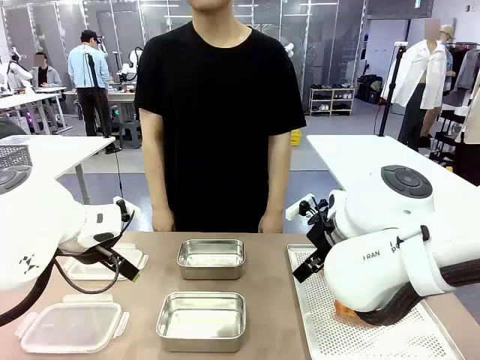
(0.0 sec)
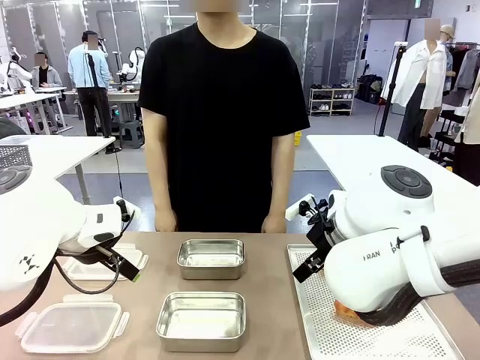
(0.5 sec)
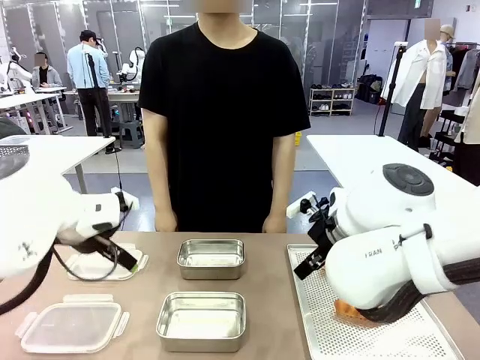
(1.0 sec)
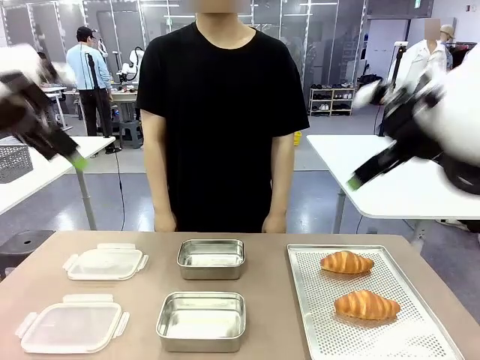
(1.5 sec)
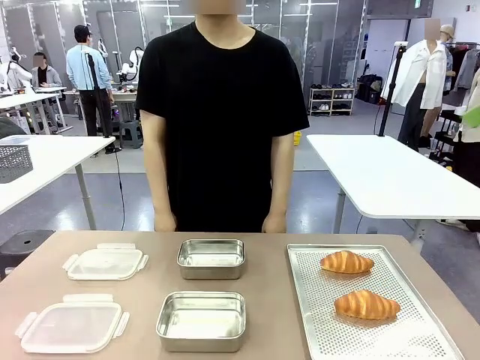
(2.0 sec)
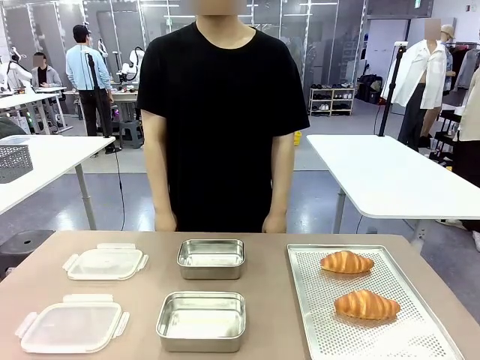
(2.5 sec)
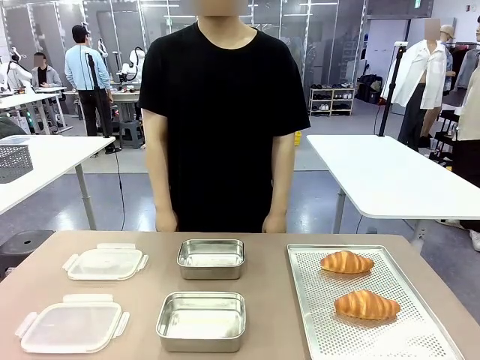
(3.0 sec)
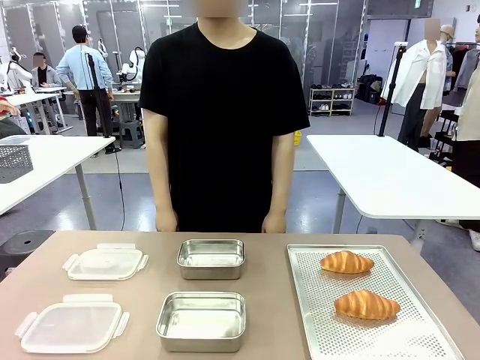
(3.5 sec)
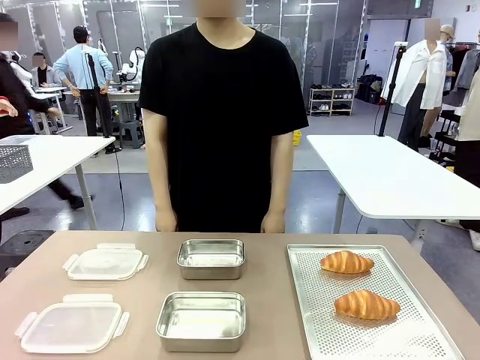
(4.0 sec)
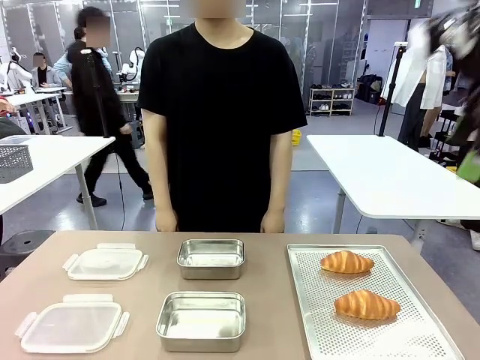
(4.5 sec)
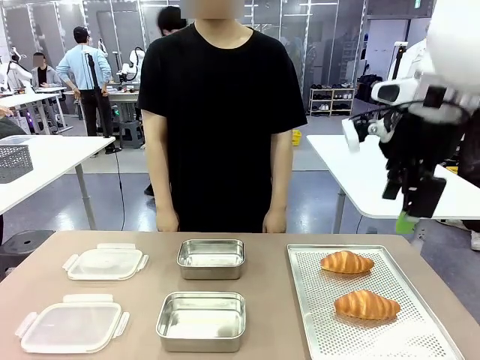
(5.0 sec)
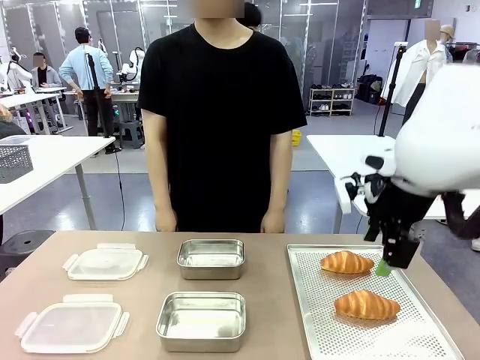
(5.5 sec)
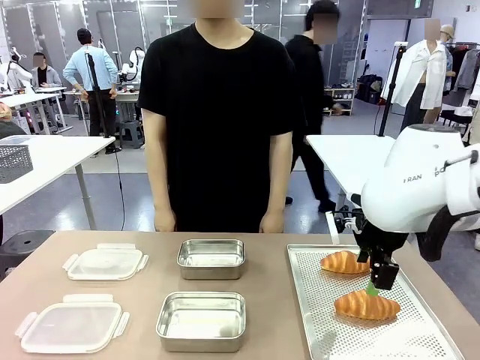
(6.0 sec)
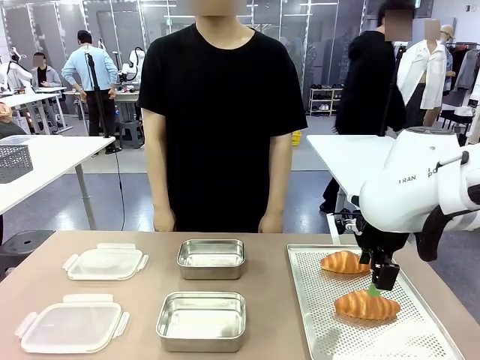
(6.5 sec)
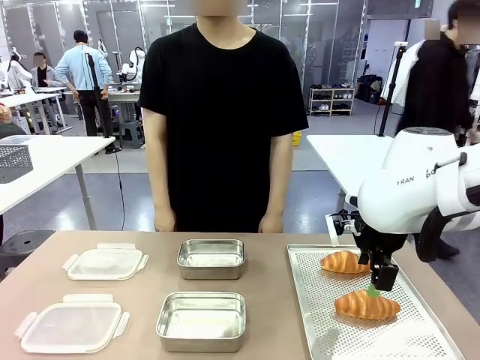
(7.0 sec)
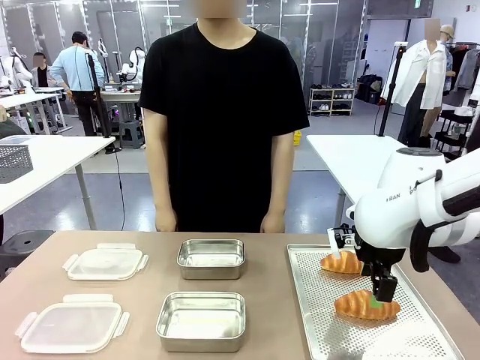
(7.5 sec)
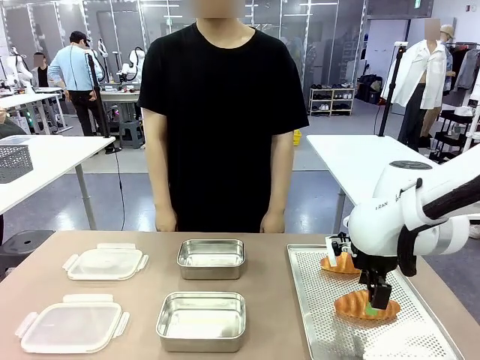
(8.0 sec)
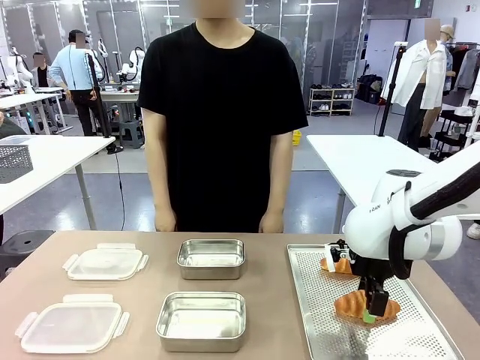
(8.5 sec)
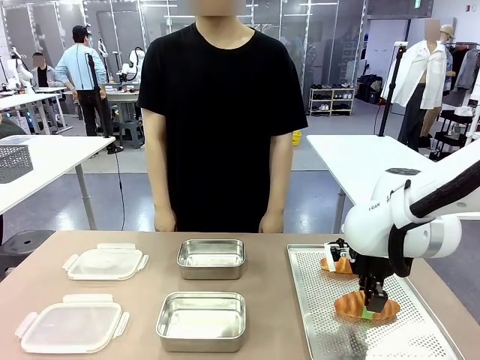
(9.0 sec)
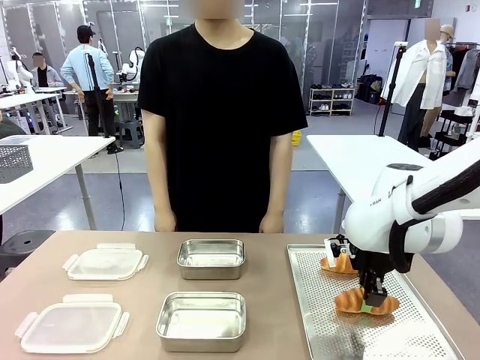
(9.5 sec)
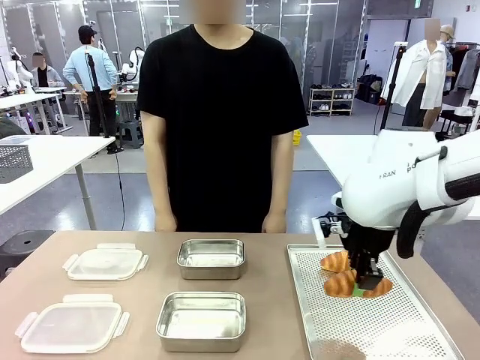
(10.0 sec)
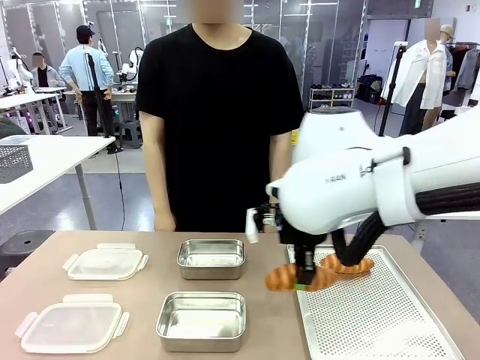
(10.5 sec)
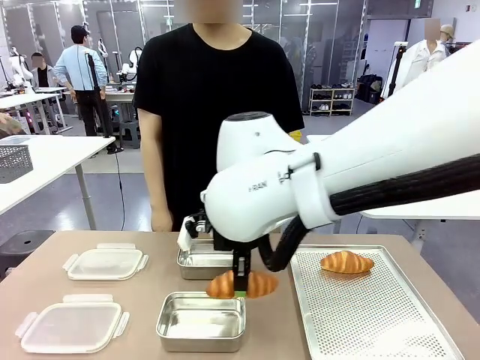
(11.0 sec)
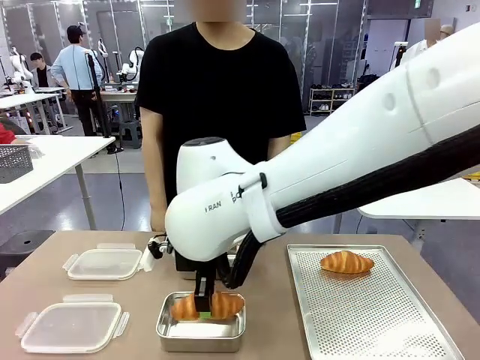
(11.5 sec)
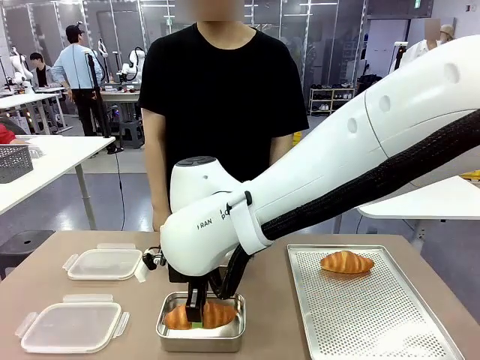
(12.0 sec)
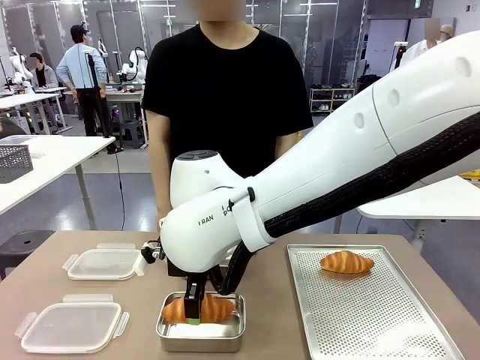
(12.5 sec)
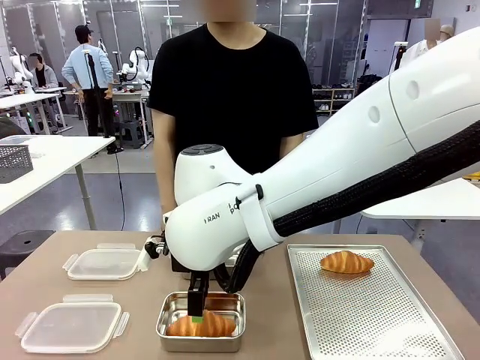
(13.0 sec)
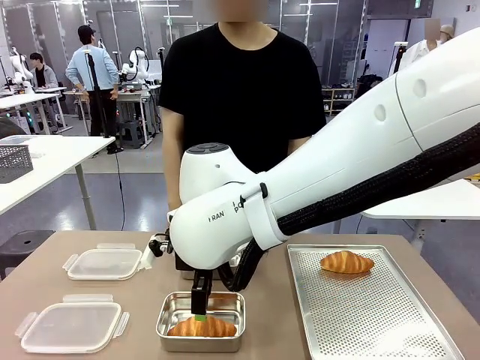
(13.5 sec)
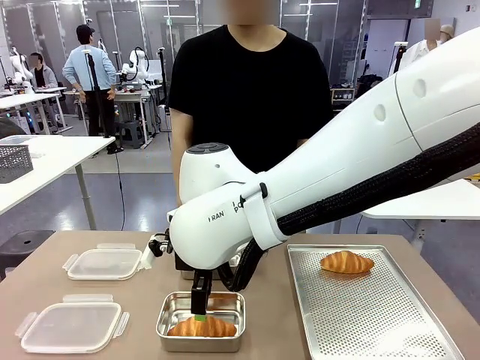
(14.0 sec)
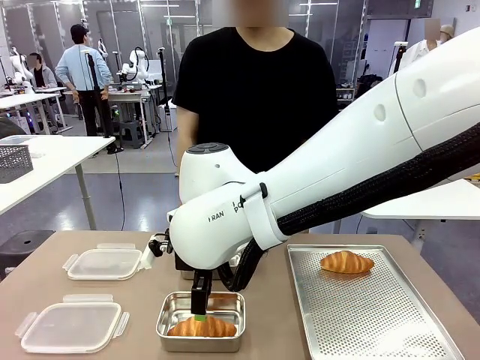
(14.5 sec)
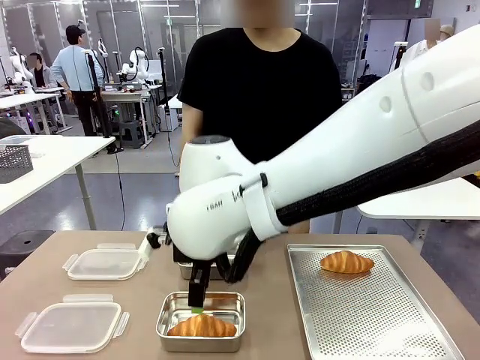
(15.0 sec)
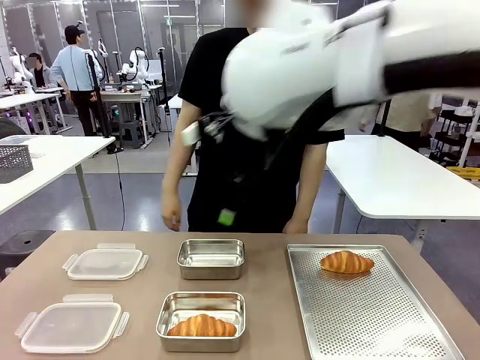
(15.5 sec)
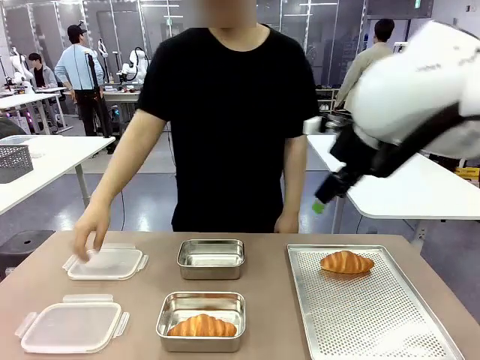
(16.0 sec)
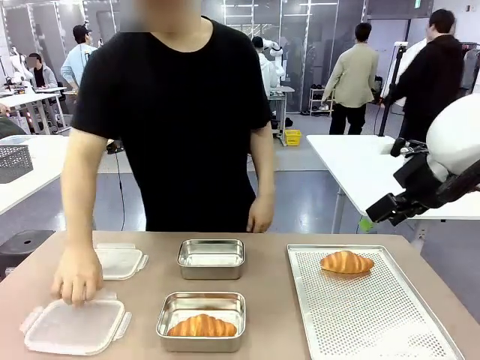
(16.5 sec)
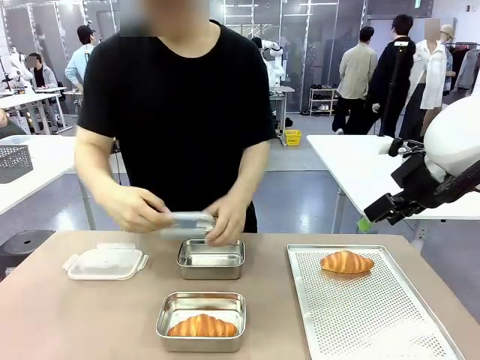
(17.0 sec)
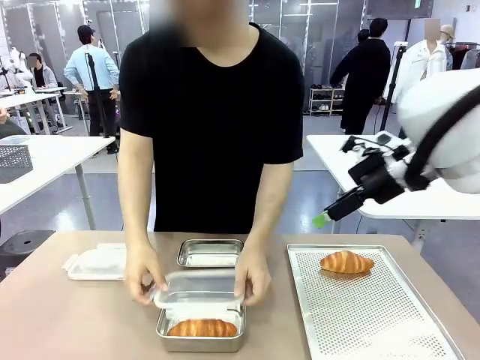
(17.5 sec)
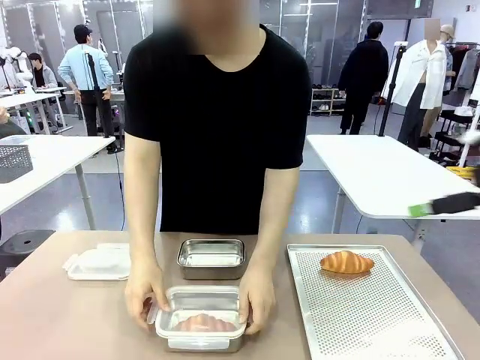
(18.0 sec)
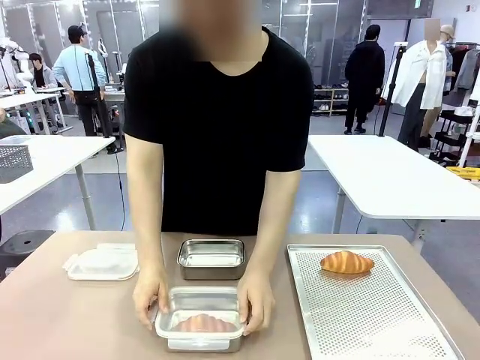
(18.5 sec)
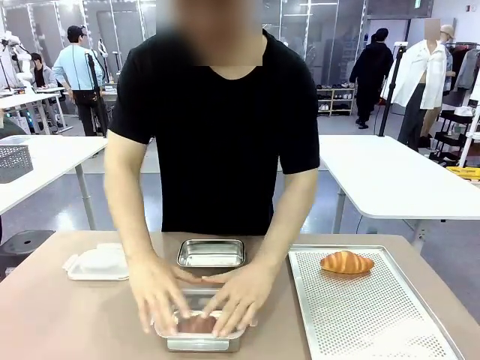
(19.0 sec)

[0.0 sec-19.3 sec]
Task: Place the bread into the airtight container.
Robot: Pick up a Butter Roll and place it into an empty Airtight Container.
